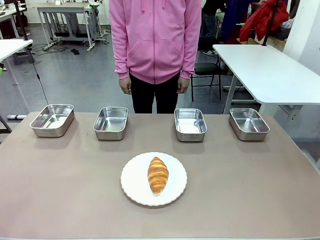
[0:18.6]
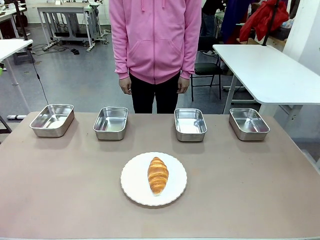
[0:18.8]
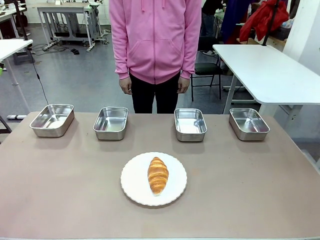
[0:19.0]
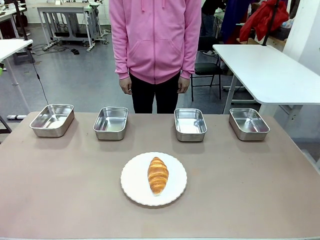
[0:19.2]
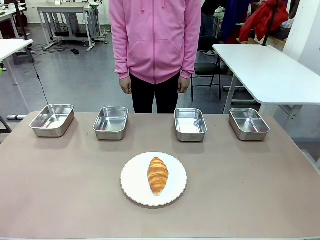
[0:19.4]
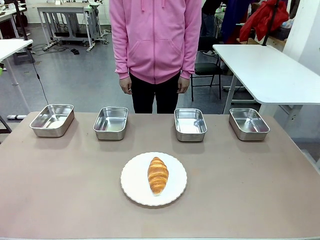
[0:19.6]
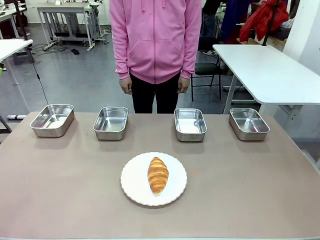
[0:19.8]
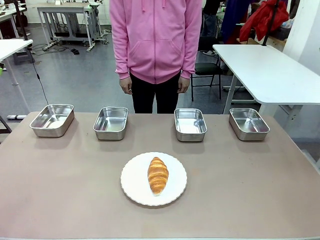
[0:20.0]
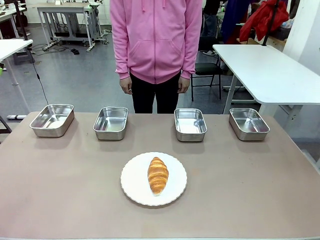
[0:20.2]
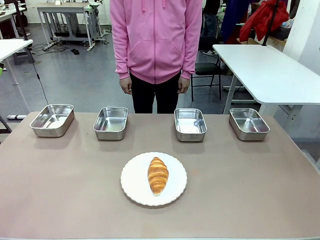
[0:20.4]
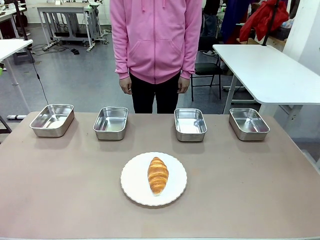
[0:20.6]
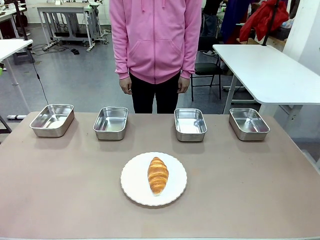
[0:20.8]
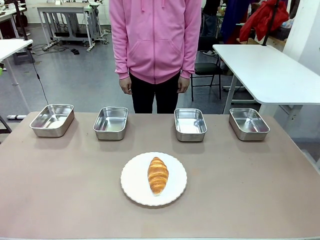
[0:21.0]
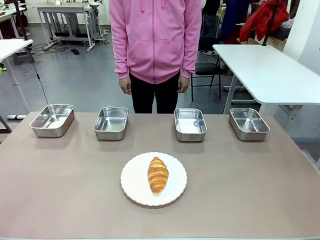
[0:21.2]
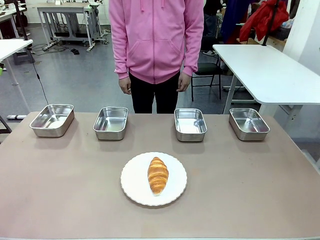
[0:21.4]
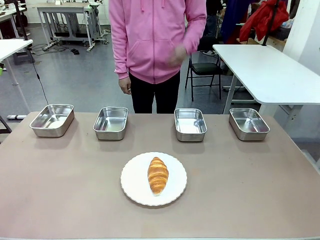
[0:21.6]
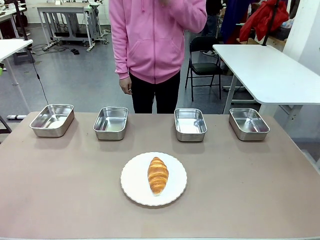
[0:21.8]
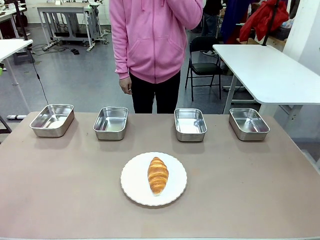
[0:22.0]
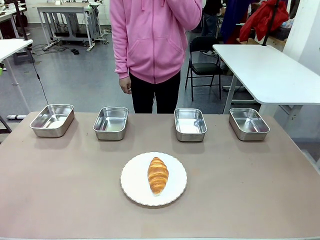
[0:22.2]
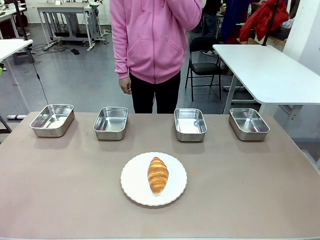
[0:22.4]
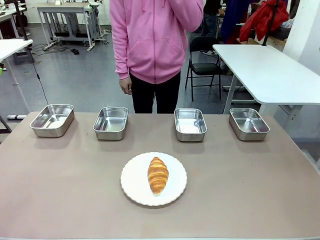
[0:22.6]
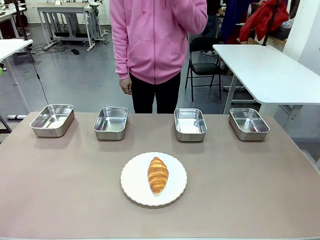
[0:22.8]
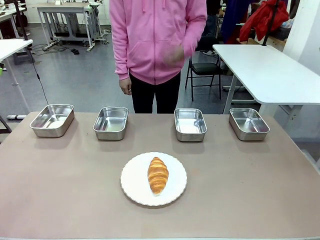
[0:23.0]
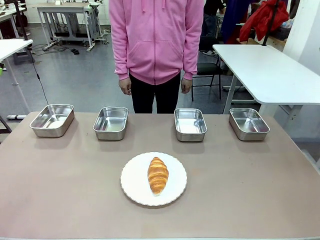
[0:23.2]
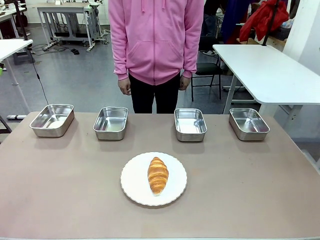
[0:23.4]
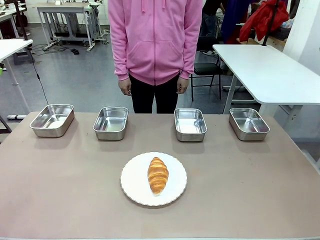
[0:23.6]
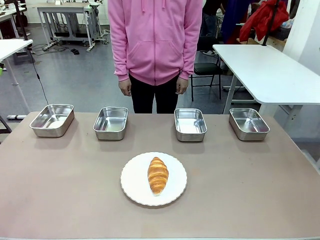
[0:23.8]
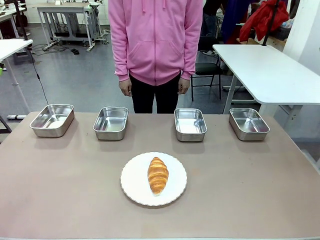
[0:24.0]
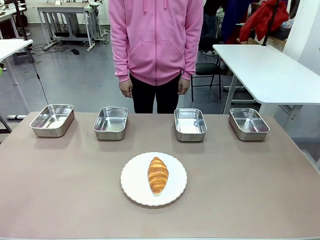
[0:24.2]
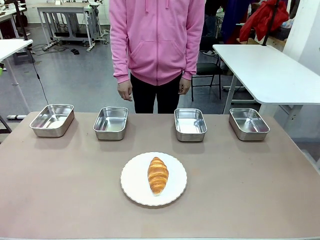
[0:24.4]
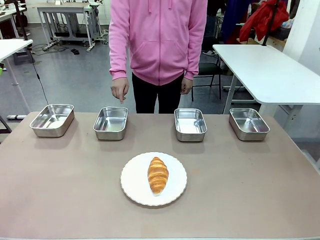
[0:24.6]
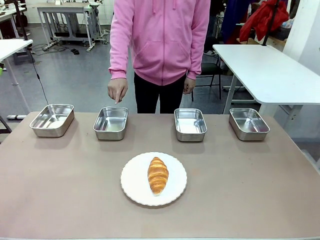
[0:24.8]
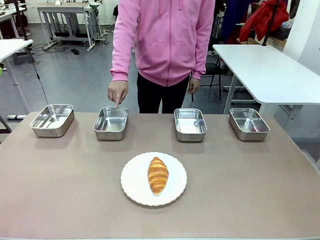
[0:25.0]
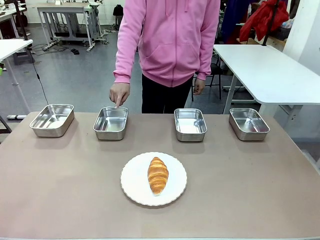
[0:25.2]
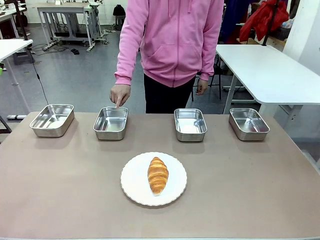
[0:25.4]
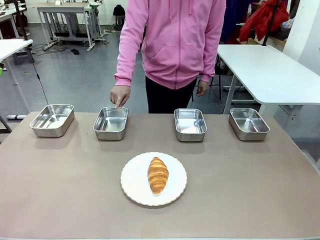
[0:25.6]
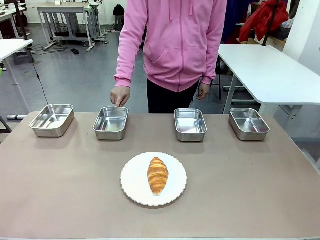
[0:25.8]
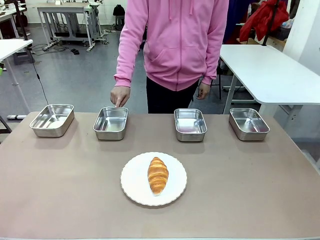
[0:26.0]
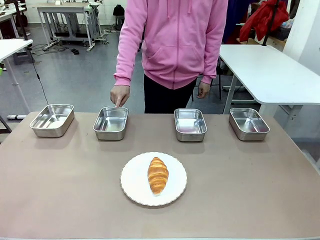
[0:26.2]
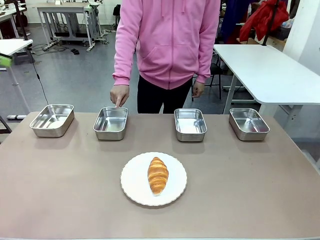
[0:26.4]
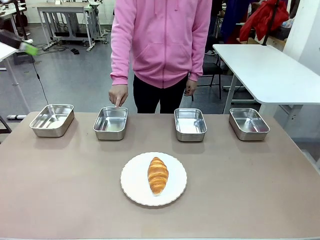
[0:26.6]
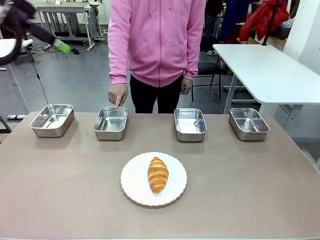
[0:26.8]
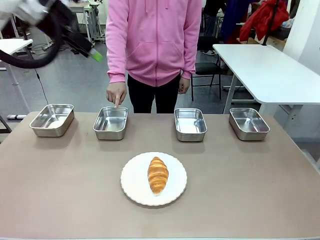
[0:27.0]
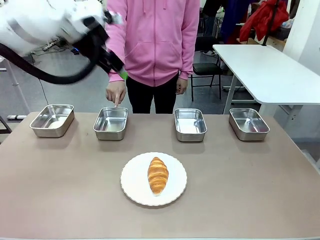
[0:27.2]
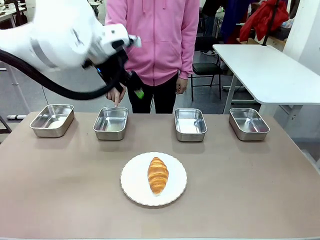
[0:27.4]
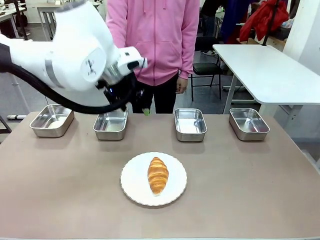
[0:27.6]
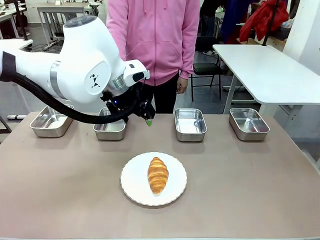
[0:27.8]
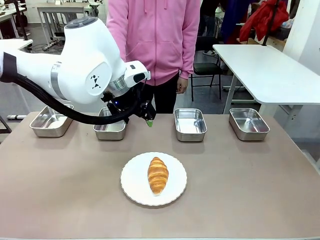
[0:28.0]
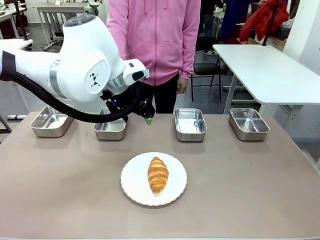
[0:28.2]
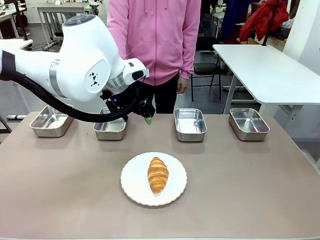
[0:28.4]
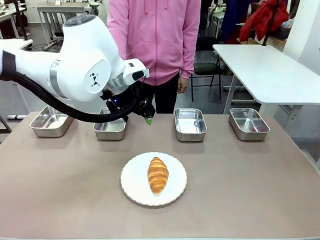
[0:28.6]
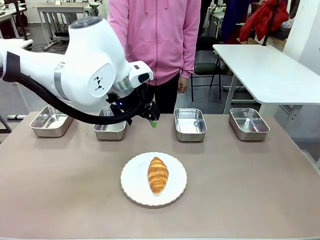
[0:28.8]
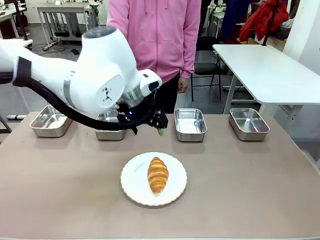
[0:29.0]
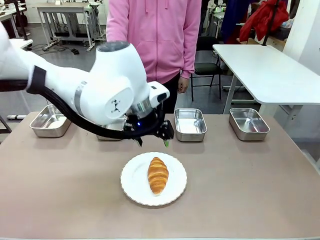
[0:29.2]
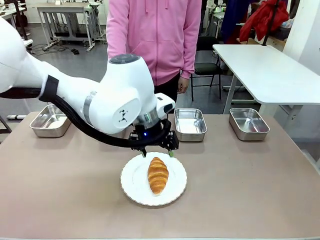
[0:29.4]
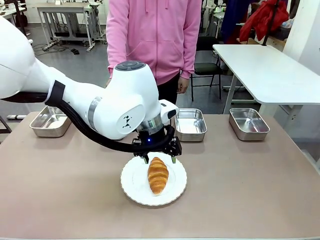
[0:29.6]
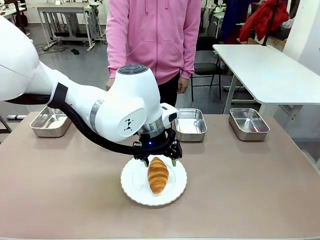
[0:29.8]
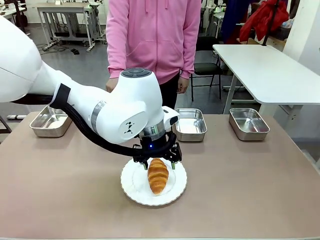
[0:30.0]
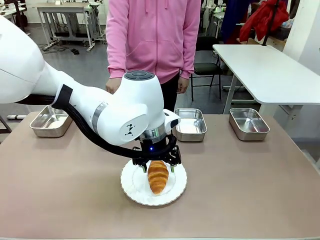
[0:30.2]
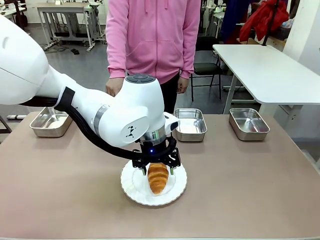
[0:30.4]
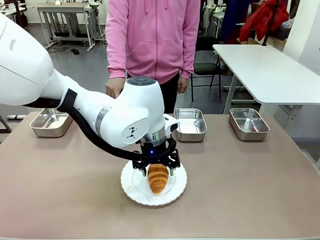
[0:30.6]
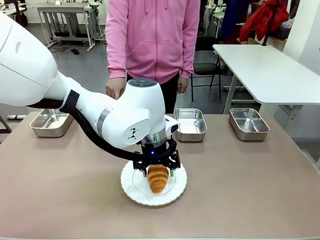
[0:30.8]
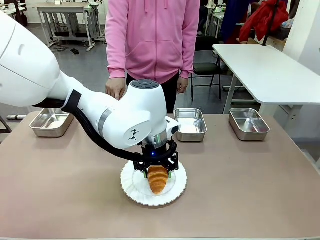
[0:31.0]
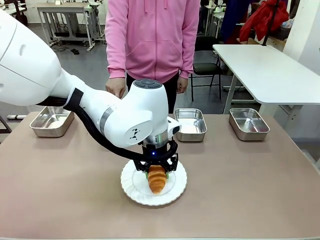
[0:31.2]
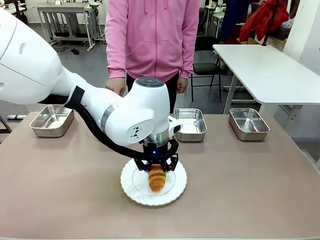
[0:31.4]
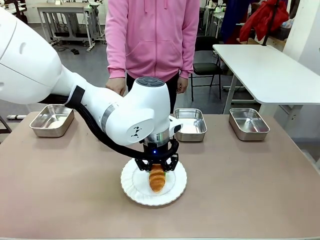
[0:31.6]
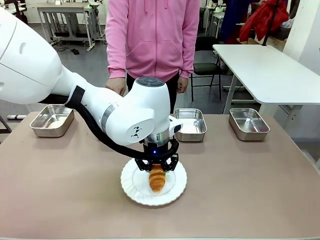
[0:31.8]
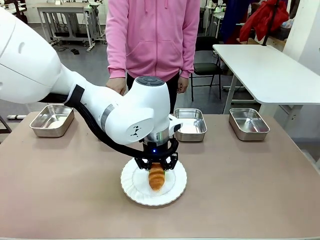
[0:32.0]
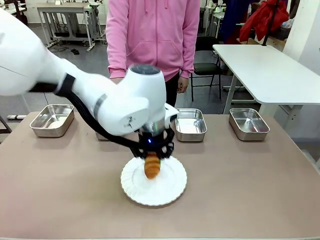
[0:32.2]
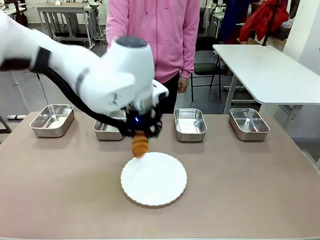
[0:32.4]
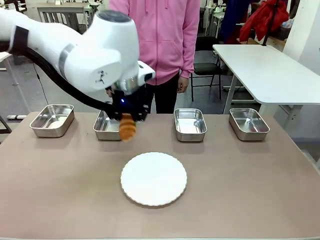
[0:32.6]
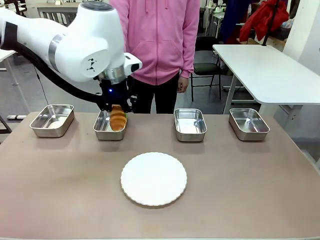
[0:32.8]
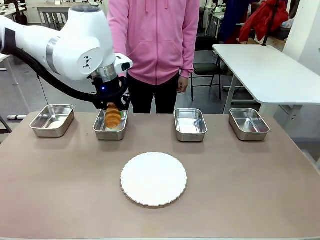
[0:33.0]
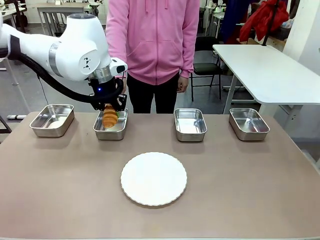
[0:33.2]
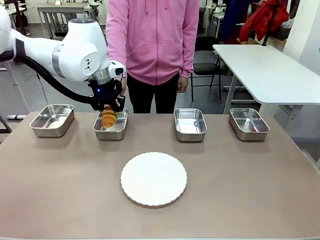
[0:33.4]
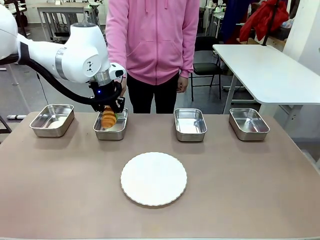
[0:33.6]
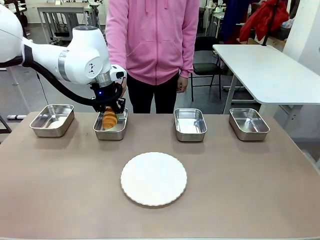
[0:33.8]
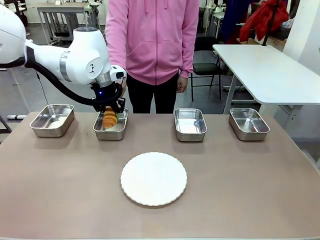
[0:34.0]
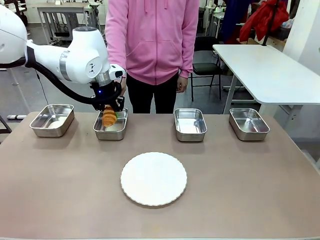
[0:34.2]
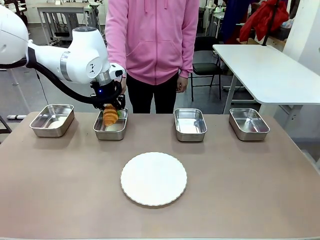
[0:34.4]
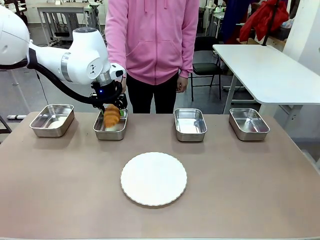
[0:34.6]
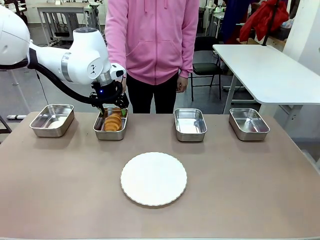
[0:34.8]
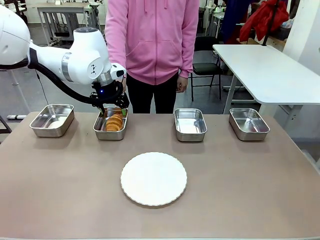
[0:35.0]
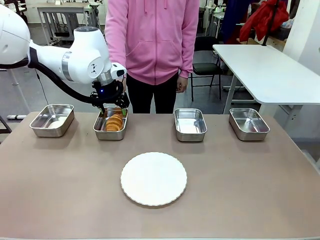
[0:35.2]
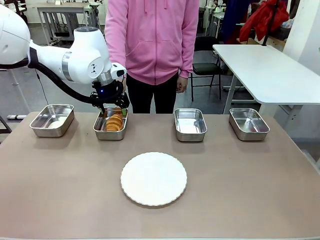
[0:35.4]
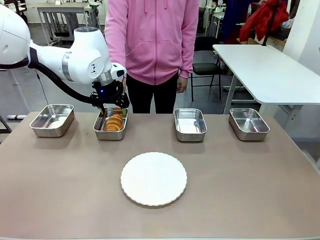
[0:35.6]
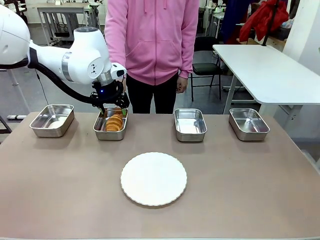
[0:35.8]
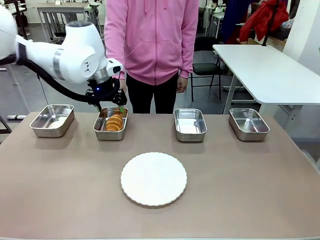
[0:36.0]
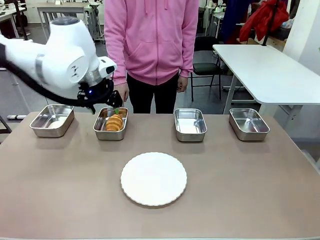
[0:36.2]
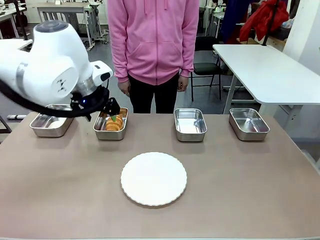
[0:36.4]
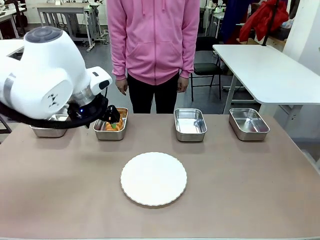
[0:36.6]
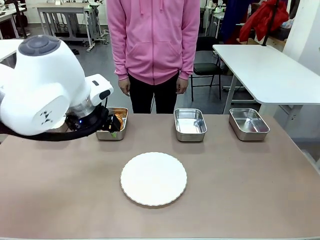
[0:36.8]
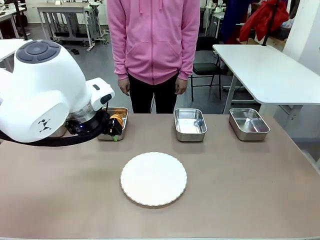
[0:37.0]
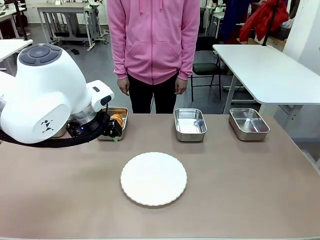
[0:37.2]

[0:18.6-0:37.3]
Task: Place the bread in the container.
Robot: Place the Butter Roll into the Airtight Container indicated by the human.
Person: A person randomly selects and points to an Airtight Container.
